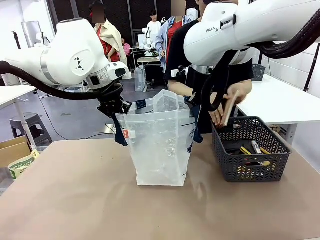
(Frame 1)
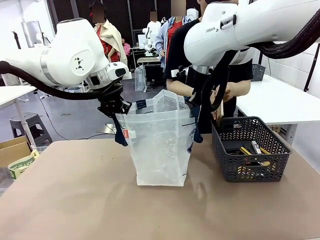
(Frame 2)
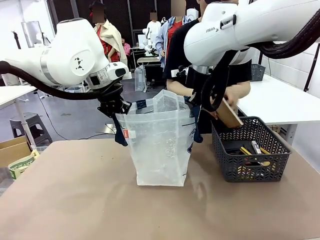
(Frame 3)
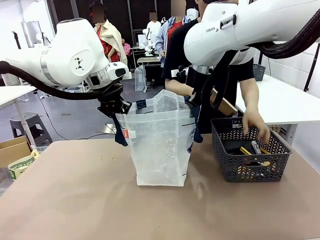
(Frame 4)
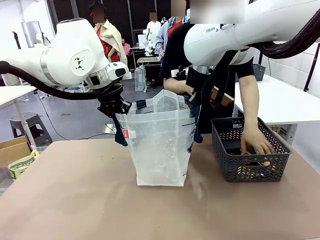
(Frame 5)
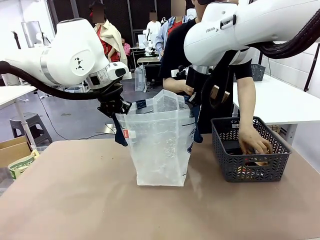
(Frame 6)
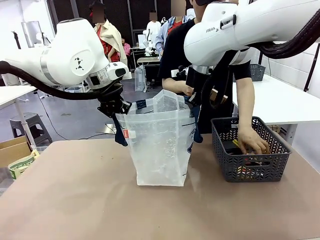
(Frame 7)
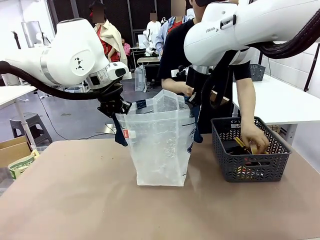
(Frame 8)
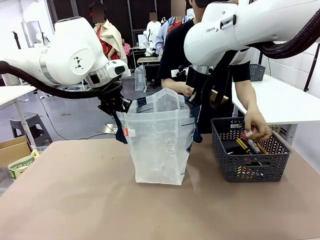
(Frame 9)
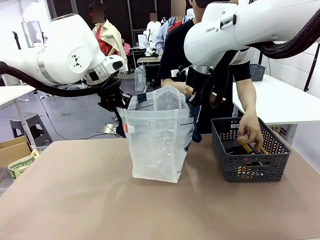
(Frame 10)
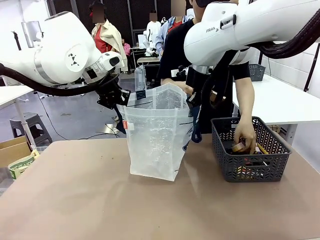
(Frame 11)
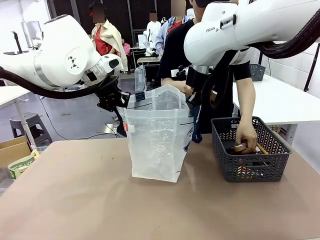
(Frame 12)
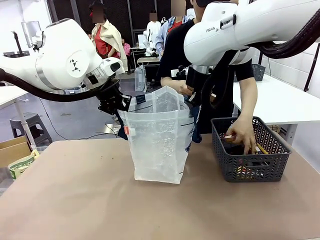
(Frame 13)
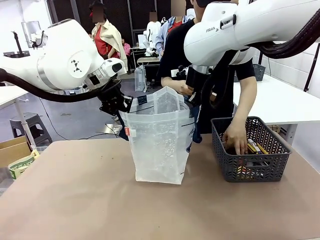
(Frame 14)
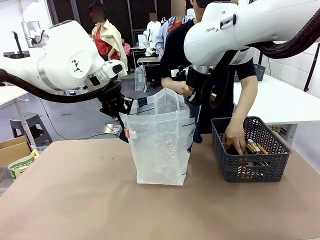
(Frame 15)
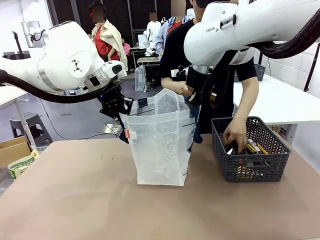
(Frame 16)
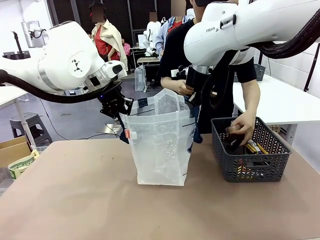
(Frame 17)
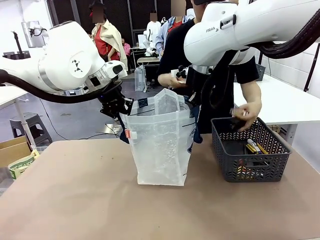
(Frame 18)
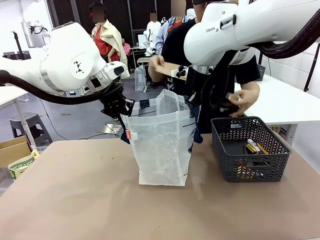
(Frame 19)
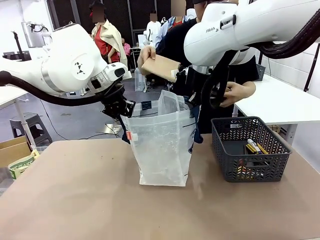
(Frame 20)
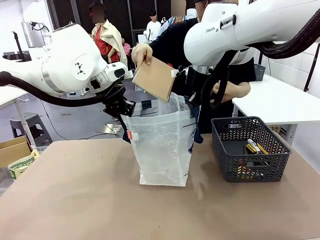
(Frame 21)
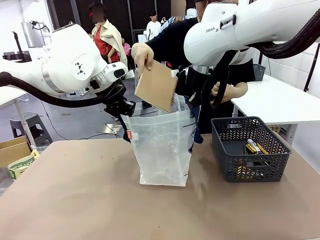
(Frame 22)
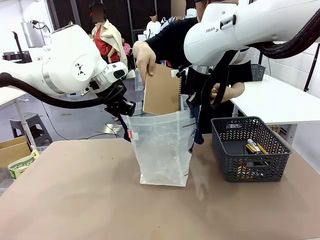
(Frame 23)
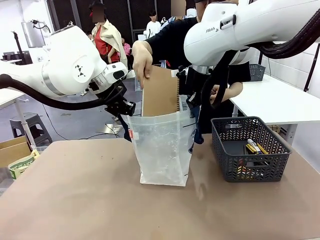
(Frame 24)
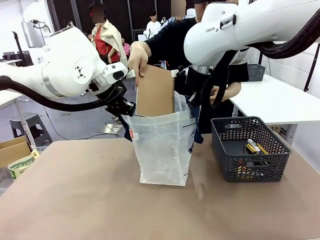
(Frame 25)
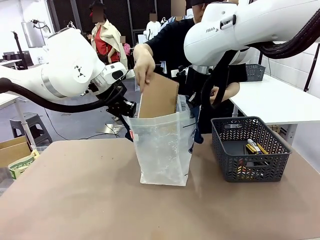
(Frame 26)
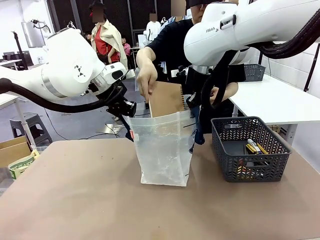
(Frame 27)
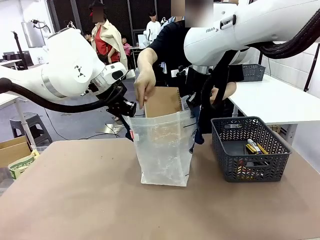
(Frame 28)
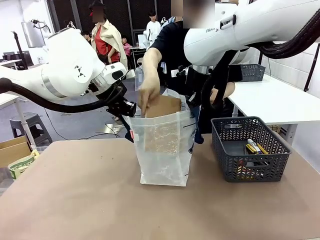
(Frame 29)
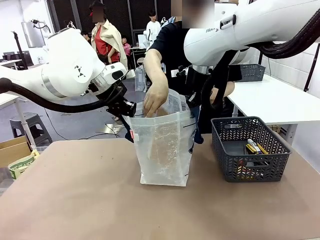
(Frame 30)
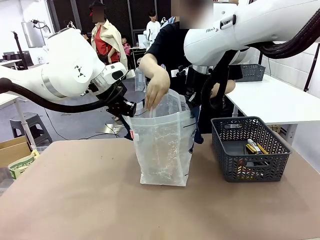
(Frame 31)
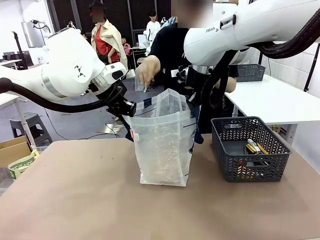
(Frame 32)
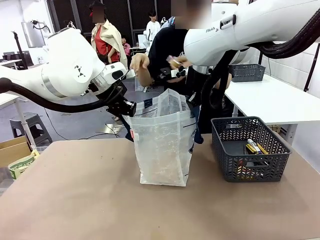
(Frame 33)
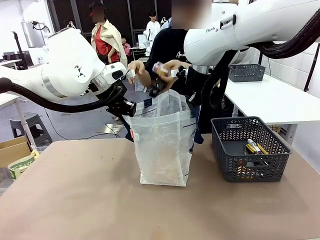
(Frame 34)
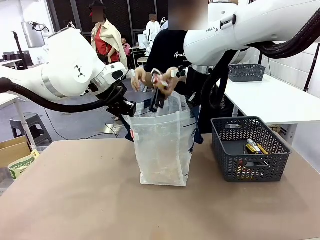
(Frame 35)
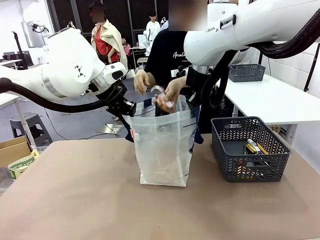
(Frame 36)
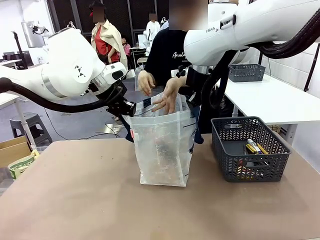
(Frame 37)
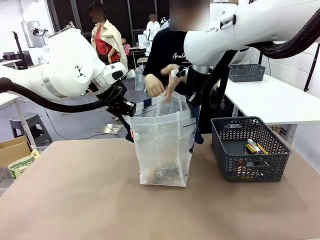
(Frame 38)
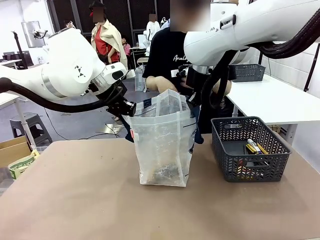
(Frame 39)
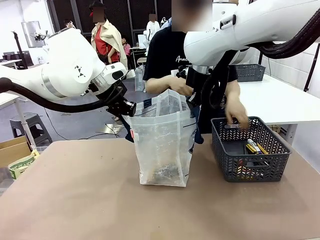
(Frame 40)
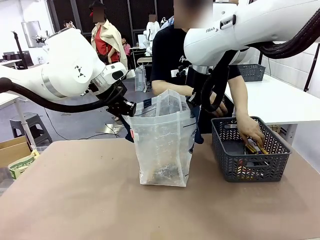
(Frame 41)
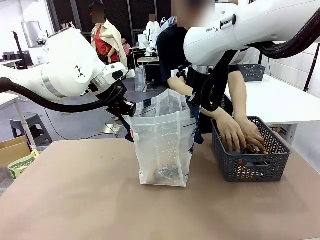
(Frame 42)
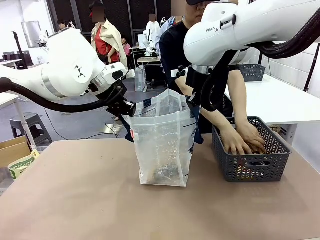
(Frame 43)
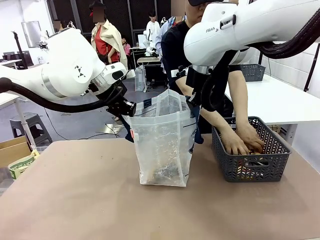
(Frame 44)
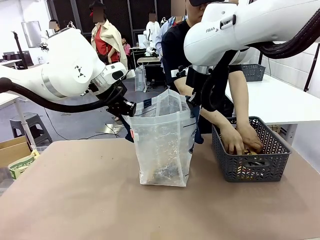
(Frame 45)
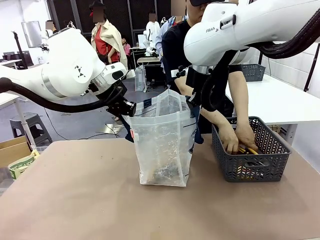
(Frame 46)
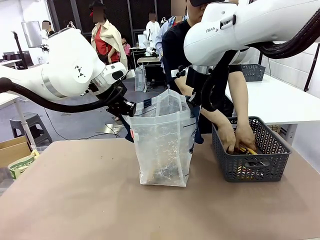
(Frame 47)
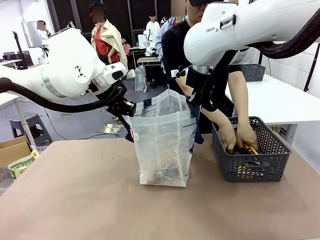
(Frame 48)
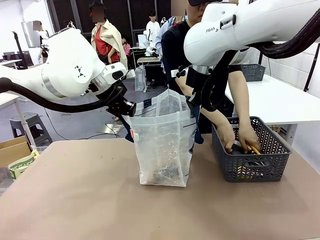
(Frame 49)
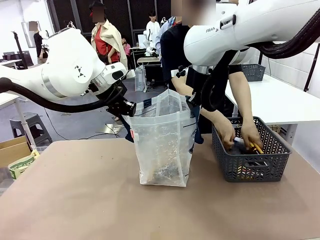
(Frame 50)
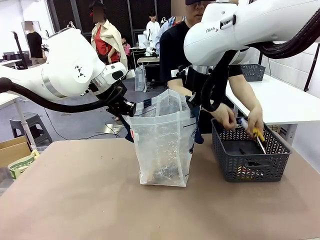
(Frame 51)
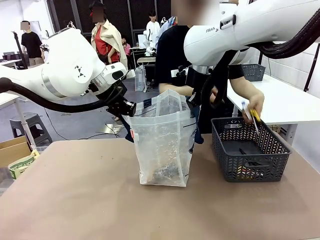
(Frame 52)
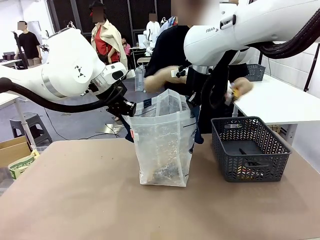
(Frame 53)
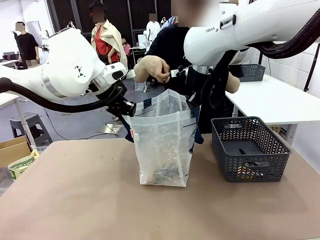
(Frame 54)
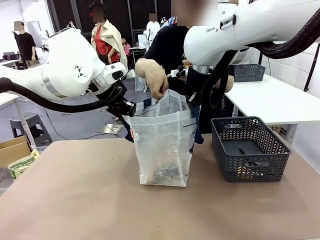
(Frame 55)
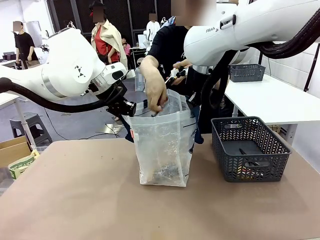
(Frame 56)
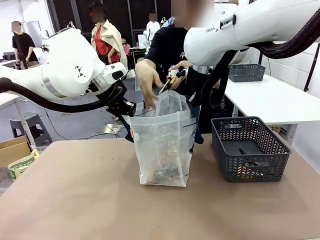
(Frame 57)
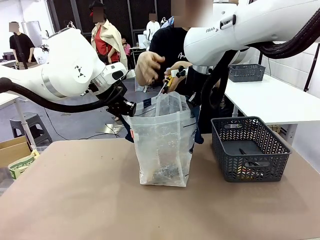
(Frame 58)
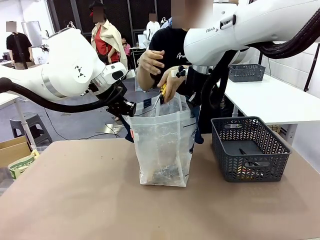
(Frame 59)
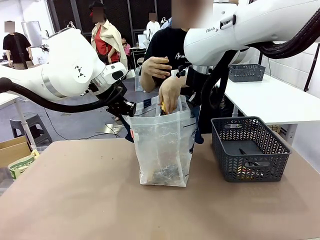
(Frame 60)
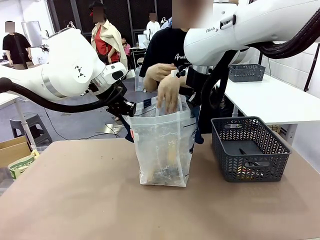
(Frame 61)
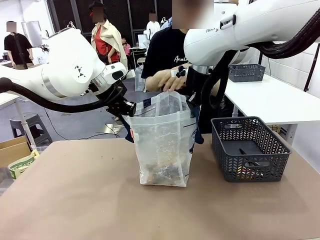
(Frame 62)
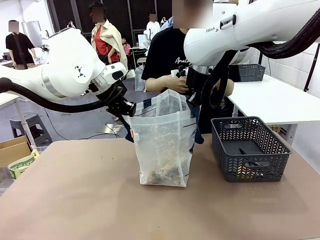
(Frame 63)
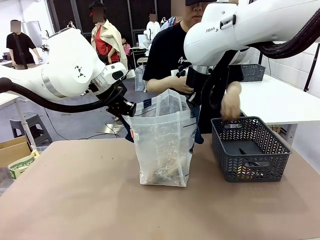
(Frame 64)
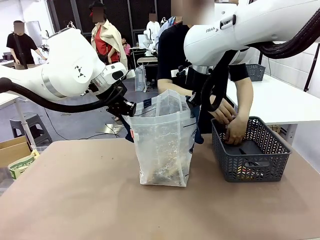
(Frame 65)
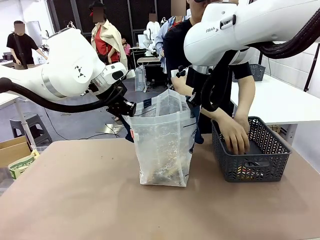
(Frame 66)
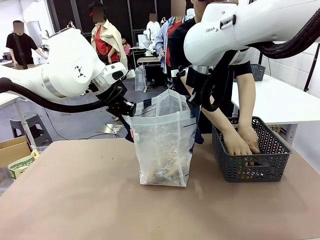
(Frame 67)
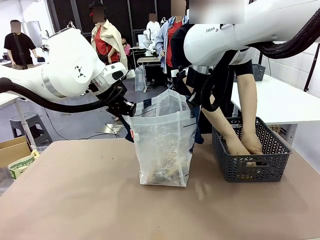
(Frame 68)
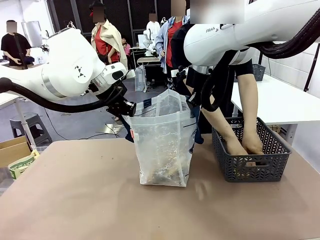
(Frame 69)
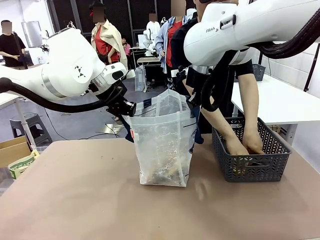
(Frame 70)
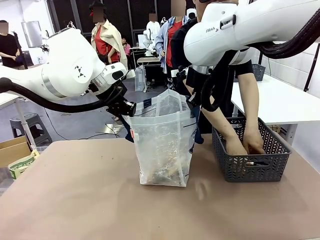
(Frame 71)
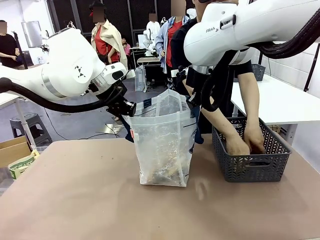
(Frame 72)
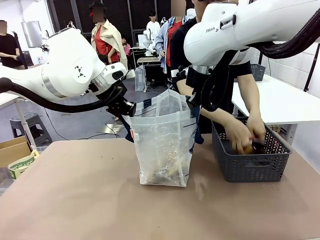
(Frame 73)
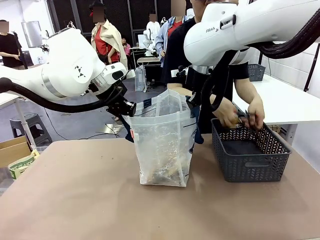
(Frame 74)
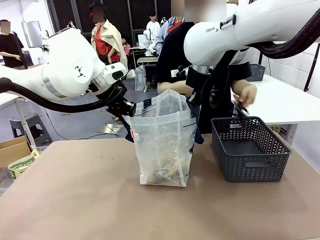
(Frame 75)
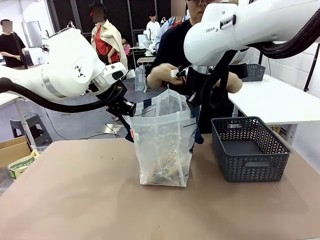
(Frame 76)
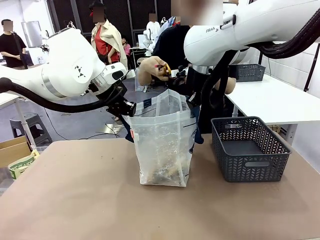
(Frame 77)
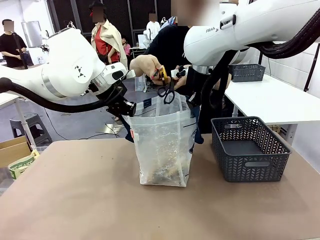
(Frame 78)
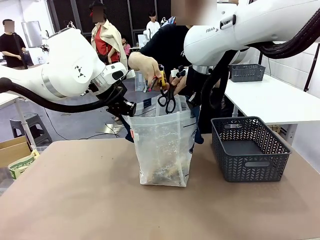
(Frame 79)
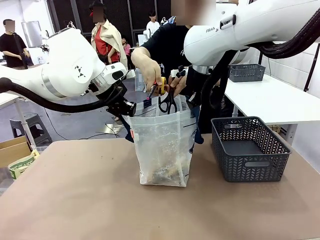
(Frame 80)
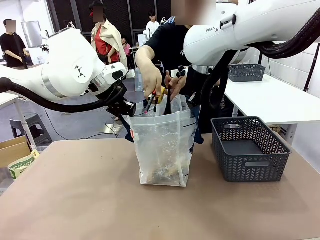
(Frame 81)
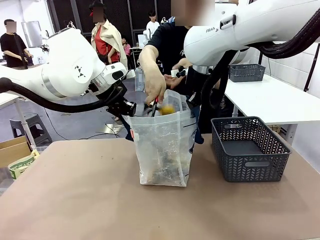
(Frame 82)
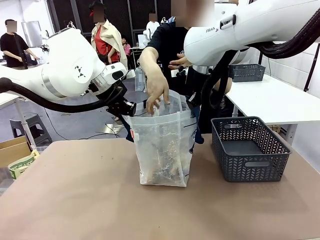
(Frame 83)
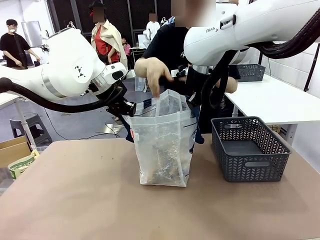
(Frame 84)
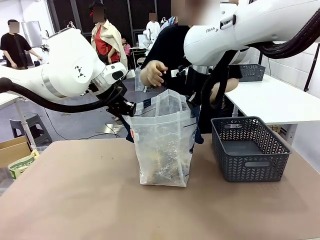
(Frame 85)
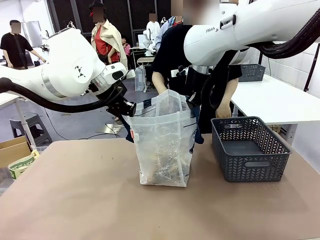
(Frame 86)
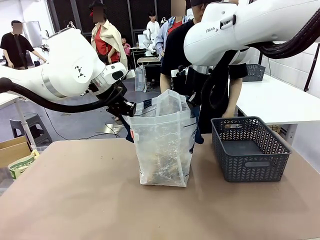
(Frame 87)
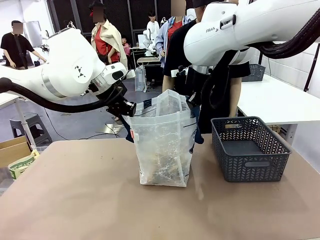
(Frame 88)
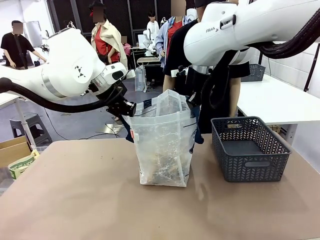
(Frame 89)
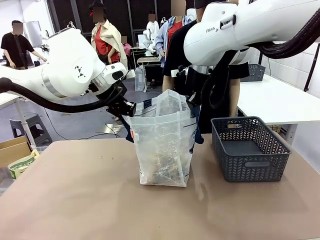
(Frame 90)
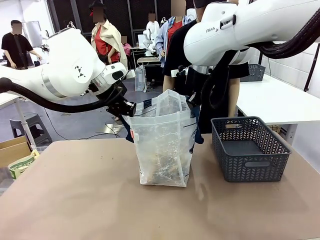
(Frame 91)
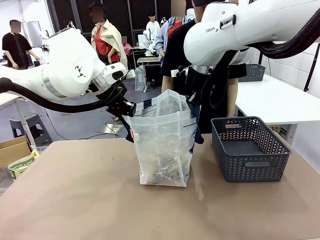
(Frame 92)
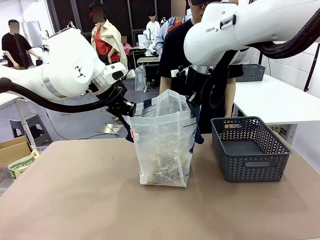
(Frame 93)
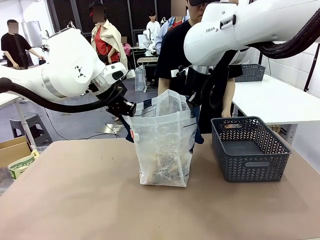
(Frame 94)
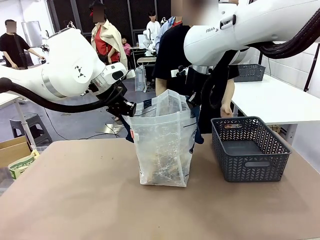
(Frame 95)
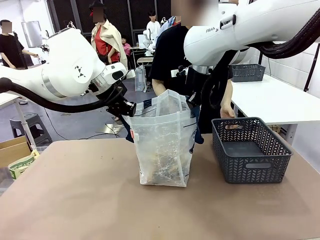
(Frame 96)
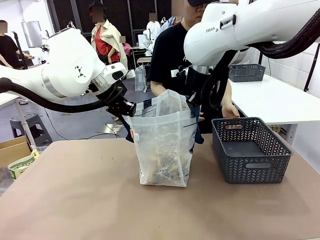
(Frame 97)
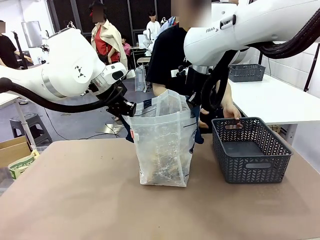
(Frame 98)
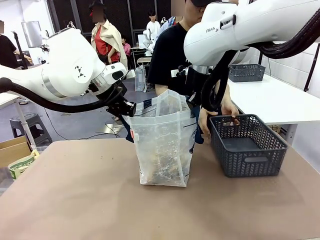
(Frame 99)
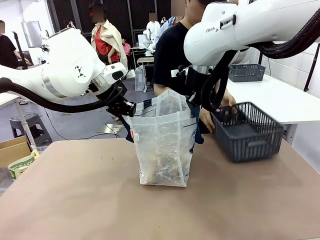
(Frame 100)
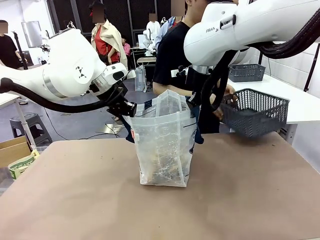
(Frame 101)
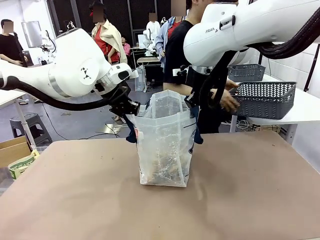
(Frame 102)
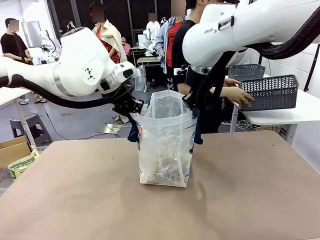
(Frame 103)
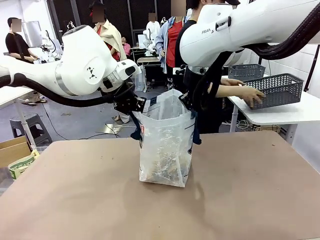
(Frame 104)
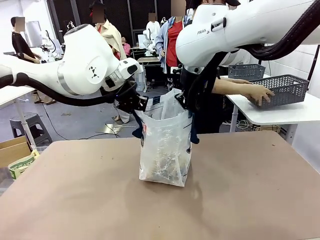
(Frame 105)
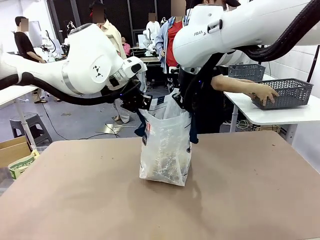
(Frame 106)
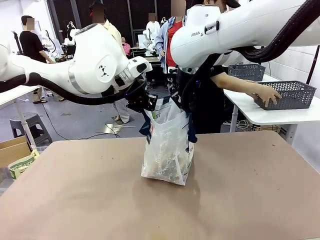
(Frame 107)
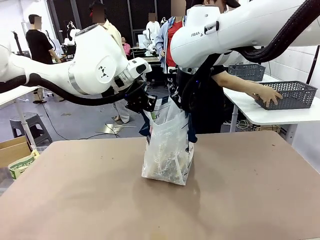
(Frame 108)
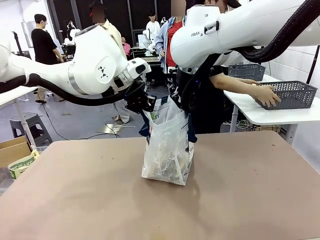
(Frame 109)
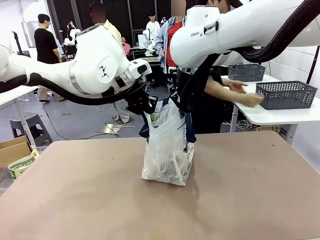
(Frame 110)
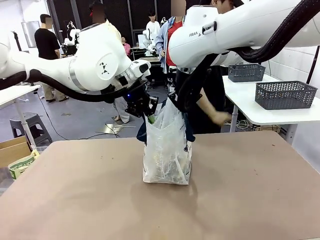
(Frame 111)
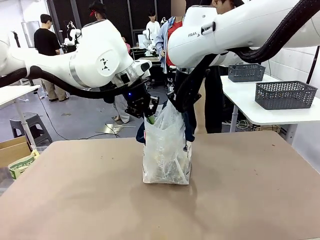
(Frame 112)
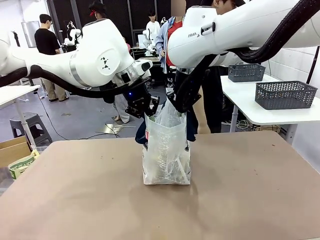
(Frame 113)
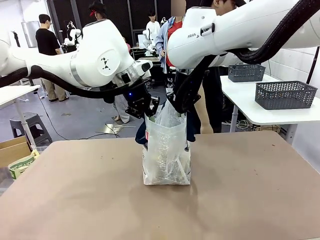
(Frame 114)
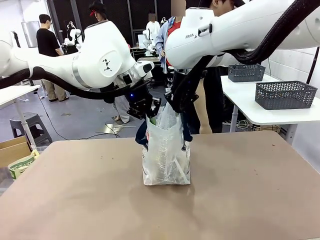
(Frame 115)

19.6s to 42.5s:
Task: Transfer purchased items from the store into the shopping bag.
Robot: Move the Reusable shopping bag to the right side of the table.
Person: Pick up the basket on the right, place it on the left side of the robot table, and move the items in the basket to the shopping bag. Pick up the basket with the items out and place it on the right side of the human table.
